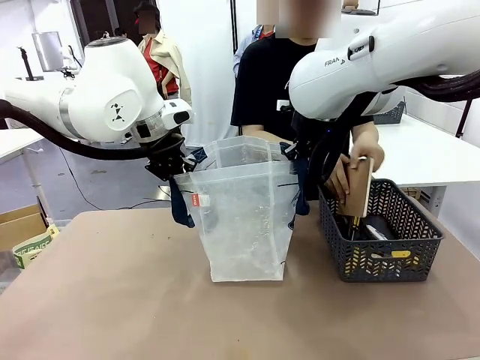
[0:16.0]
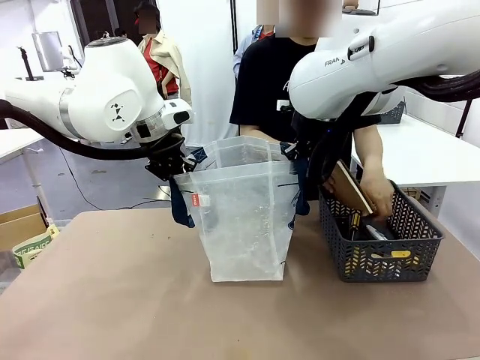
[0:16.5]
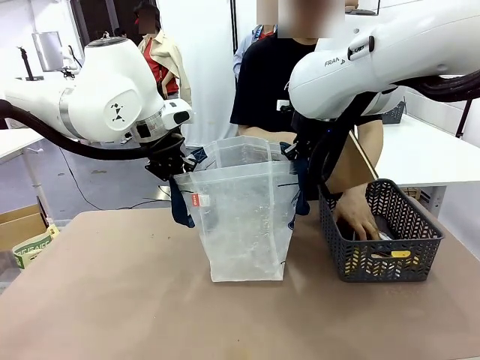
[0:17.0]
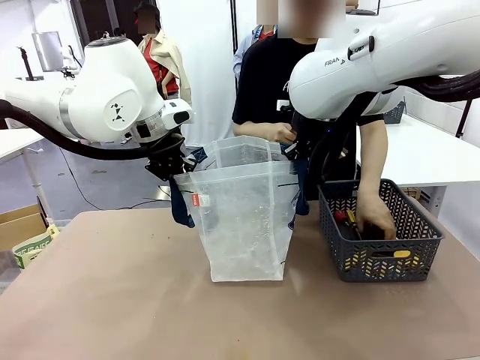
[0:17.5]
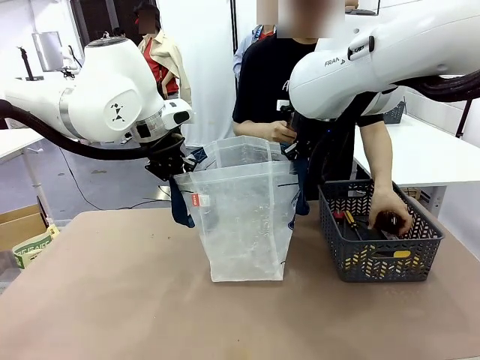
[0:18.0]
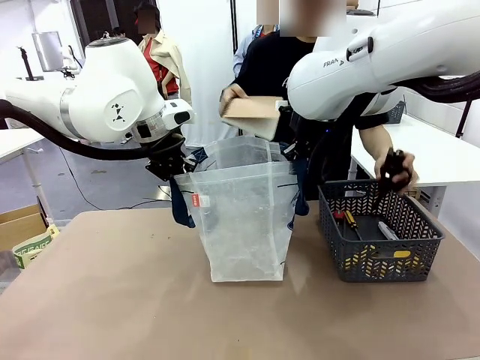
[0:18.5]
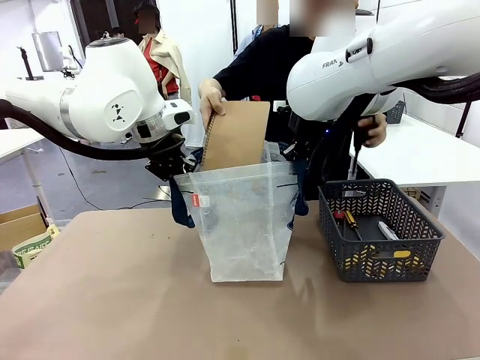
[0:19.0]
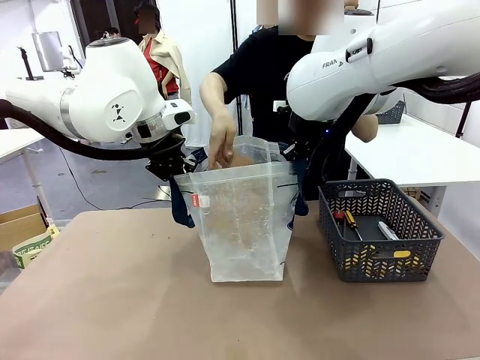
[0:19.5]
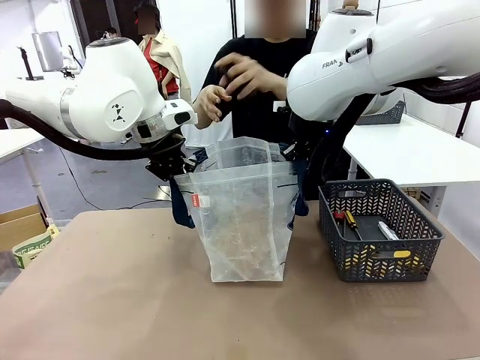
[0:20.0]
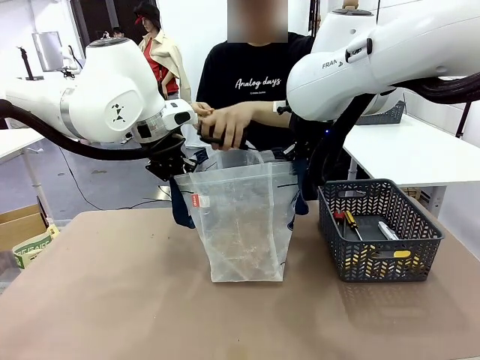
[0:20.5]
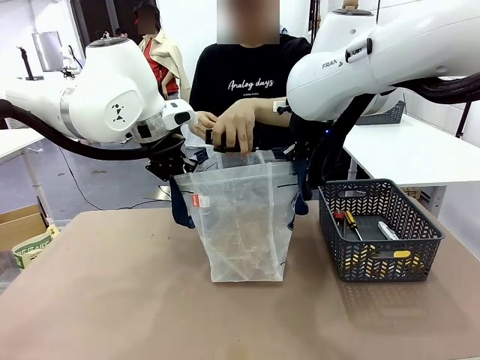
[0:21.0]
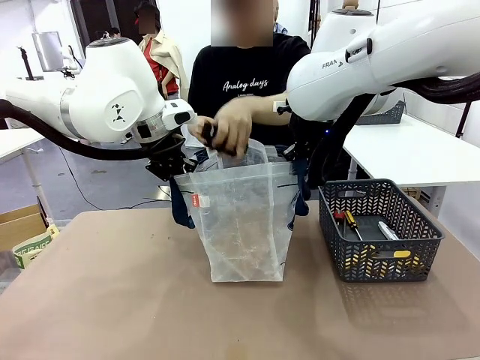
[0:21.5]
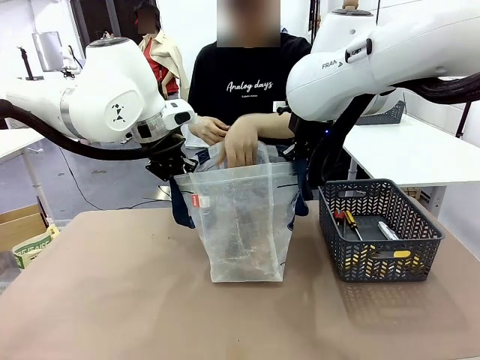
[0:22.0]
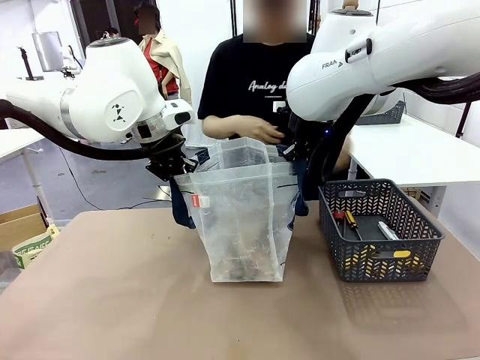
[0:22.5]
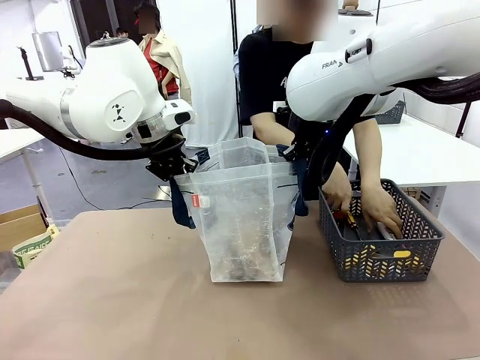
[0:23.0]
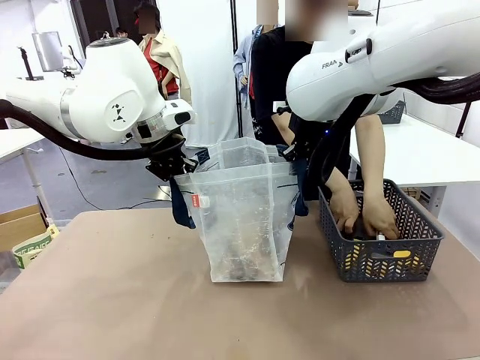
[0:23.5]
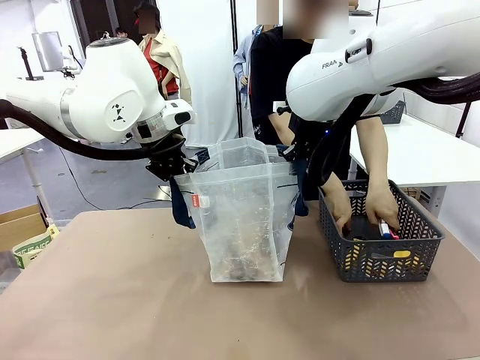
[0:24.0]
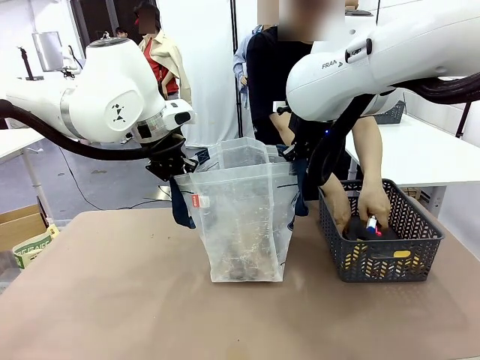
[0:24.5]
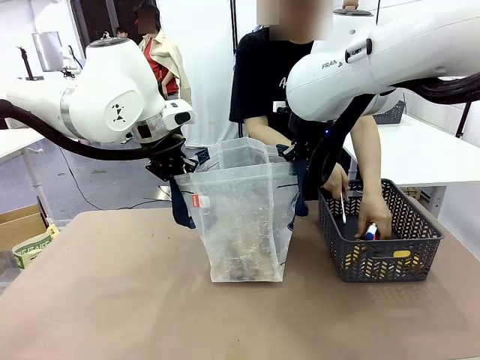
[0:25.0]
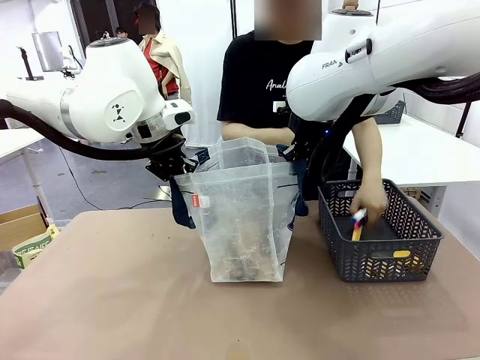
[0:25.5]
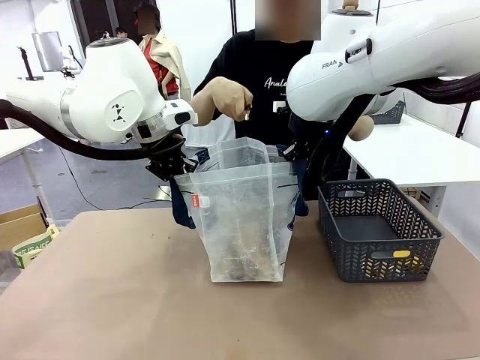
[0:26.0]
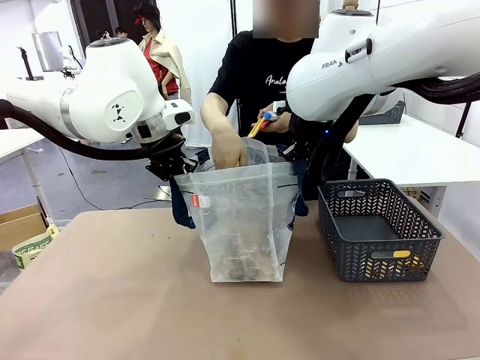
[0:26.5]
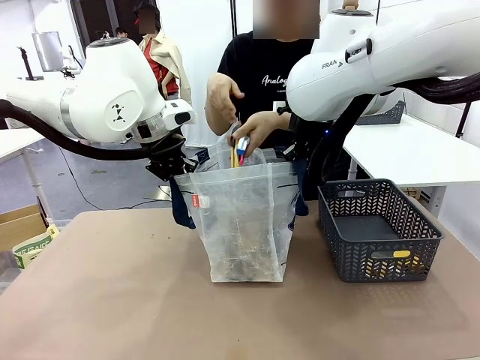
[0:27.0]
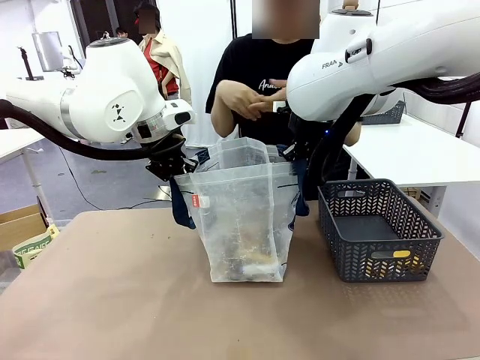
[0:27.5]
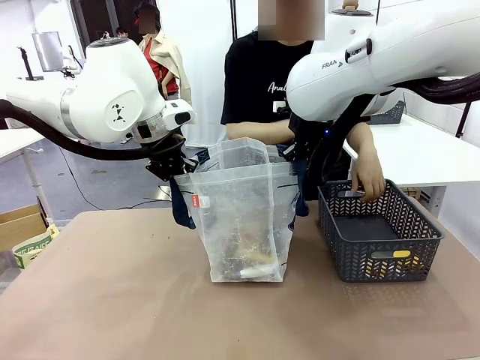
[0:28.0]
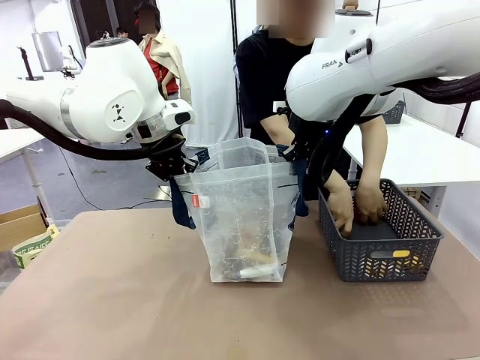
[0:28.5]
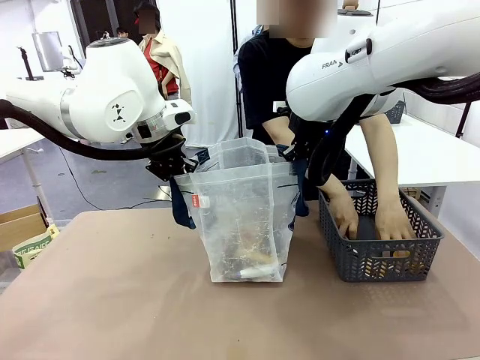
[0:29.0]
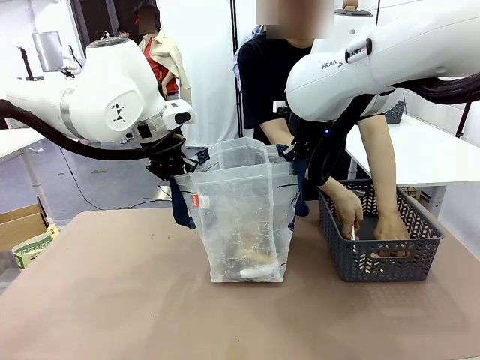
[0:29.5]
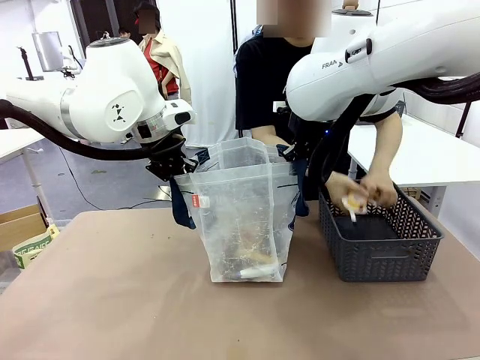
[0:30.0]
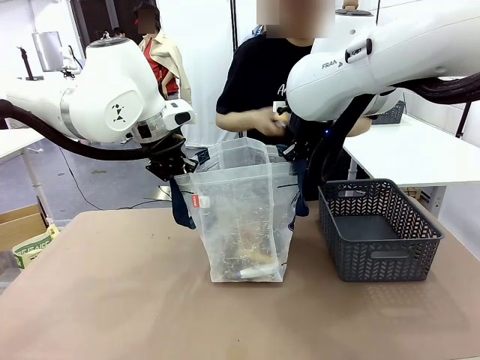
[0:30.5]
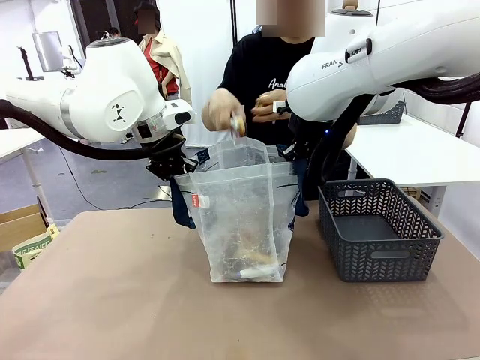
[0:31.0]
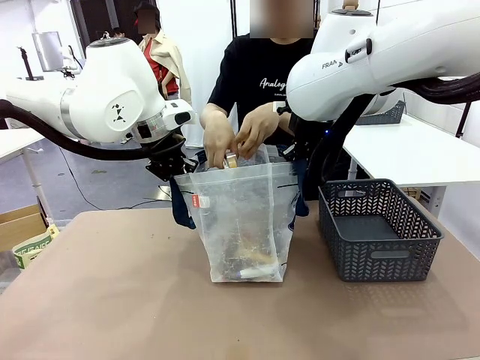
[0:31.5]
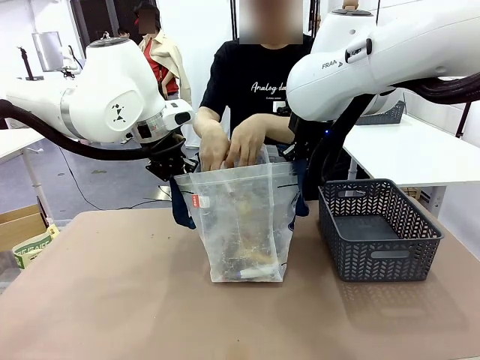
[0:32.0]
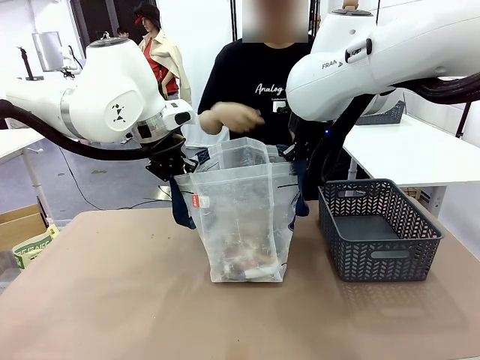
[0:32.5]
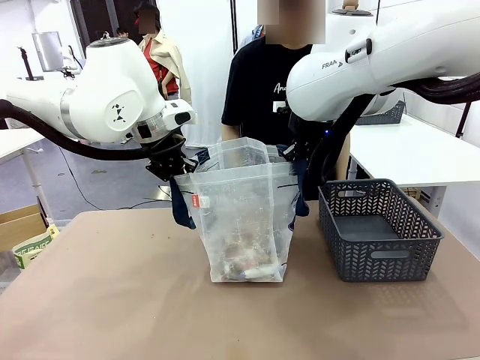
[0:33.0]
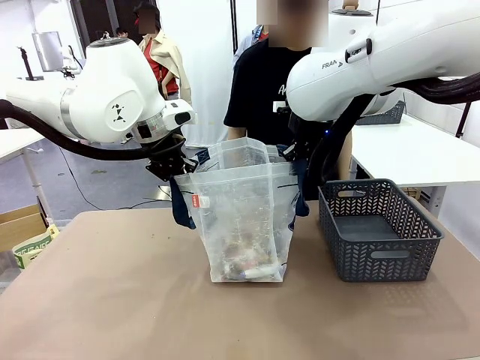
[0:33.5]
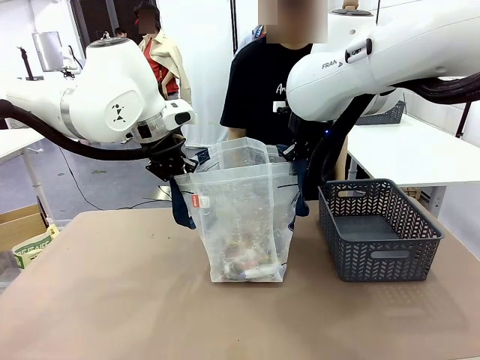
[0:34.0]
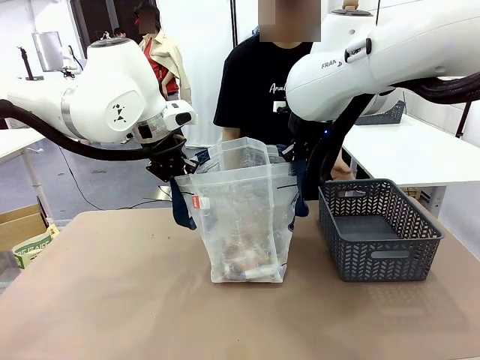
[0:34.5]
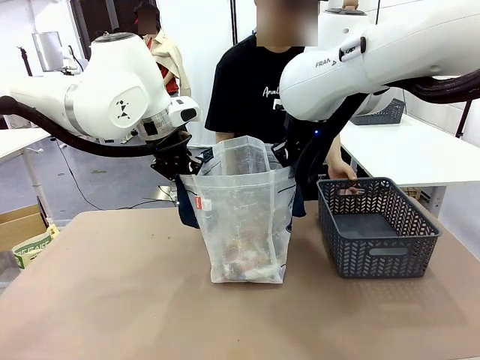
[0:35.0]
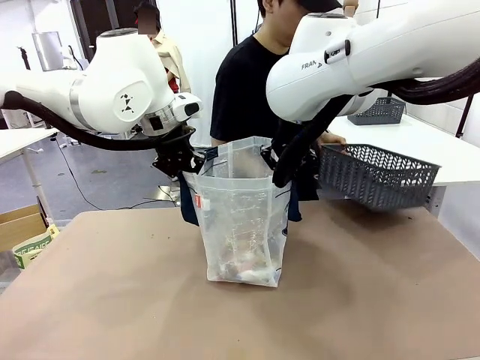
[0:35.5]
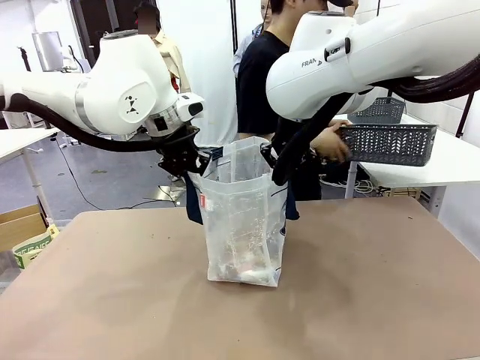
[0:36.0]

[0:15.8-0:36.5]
Task: Transfer purchased items from the store into the shopping bag.
Robot: Move the Reusable shopping bag to the right side of the table.
Person: Pick up the basket on the right, place it on the left side of the robot table, and move the items in the basket to the shopping bag. Pick up the basket with the items out and place it on the right side of the human table.

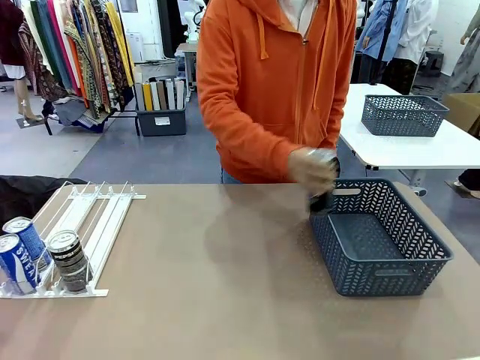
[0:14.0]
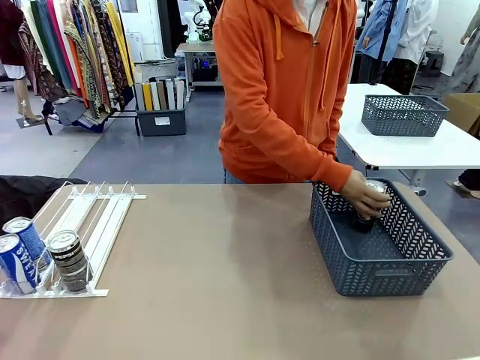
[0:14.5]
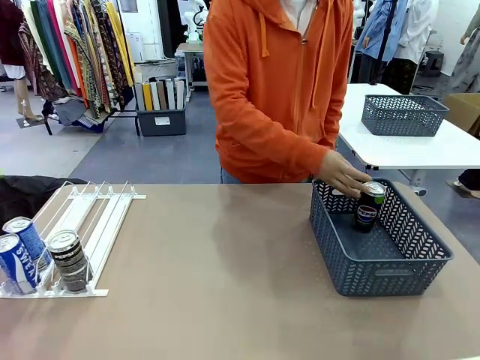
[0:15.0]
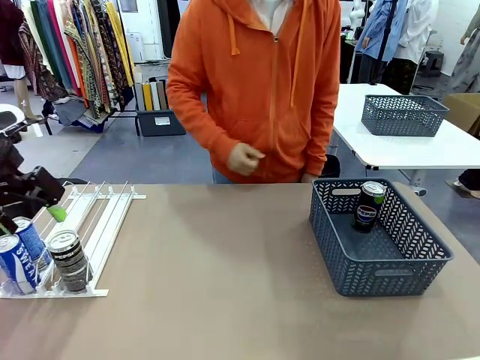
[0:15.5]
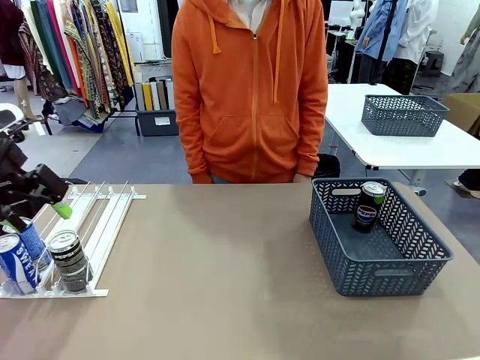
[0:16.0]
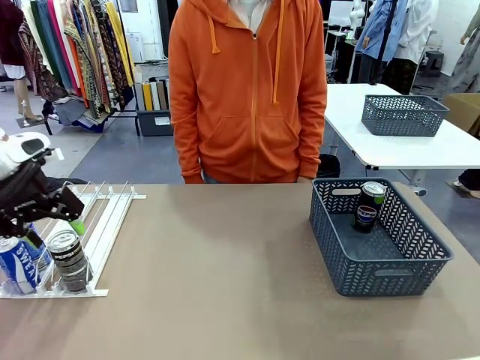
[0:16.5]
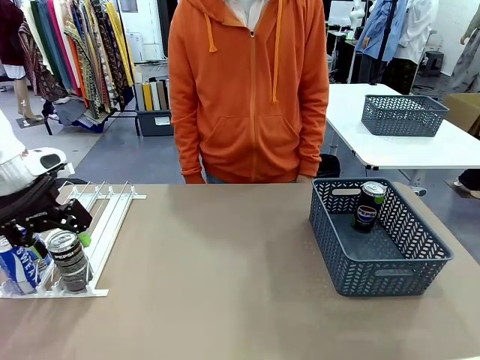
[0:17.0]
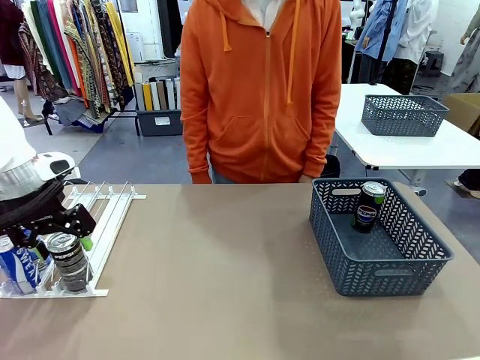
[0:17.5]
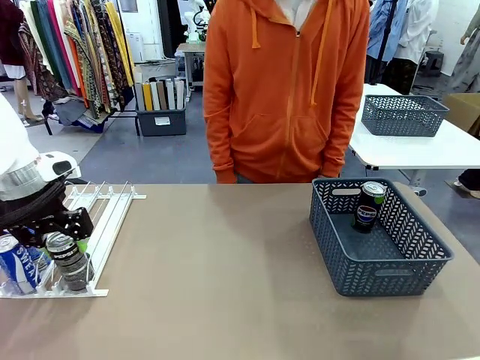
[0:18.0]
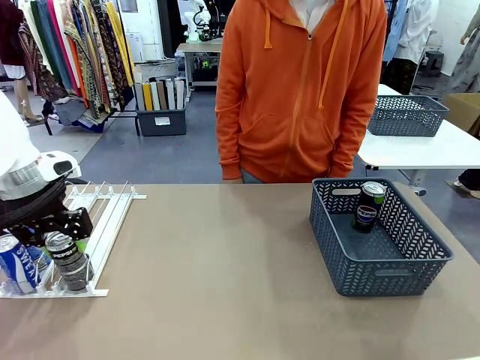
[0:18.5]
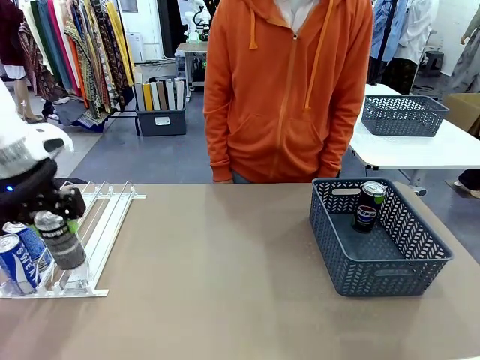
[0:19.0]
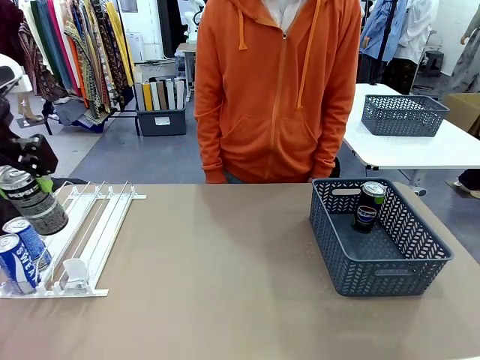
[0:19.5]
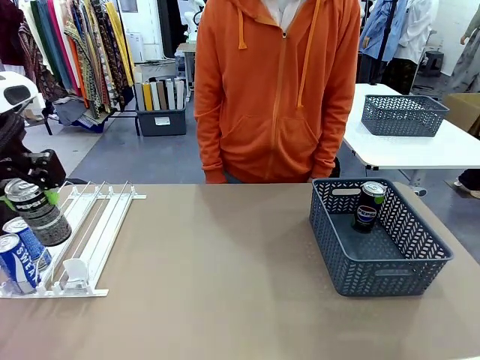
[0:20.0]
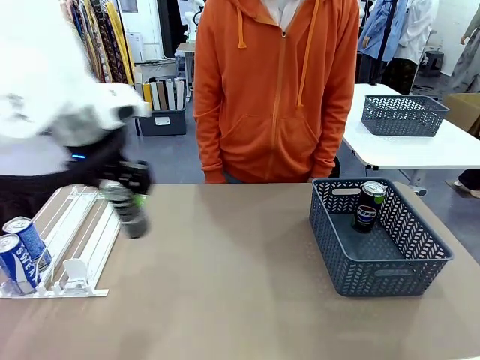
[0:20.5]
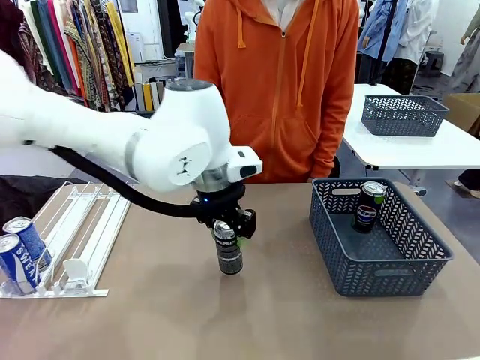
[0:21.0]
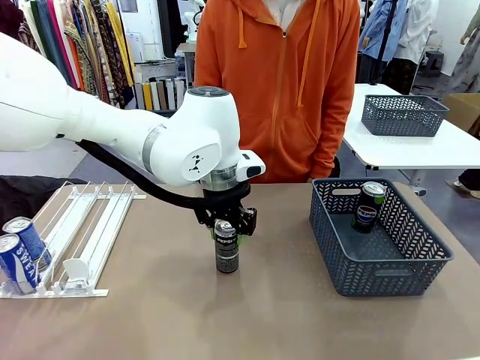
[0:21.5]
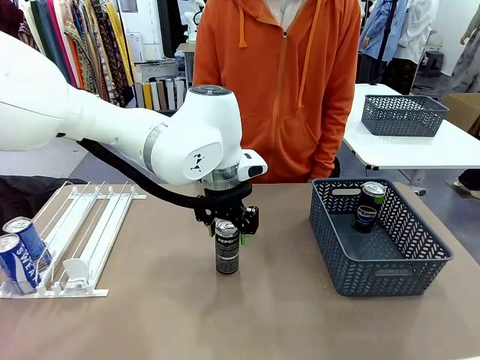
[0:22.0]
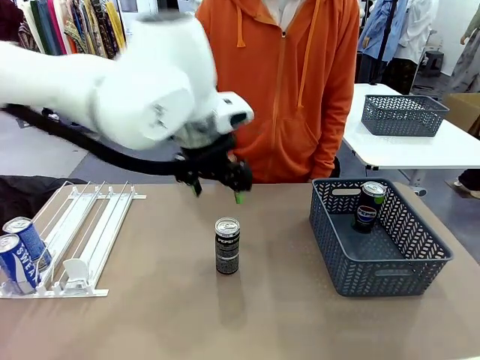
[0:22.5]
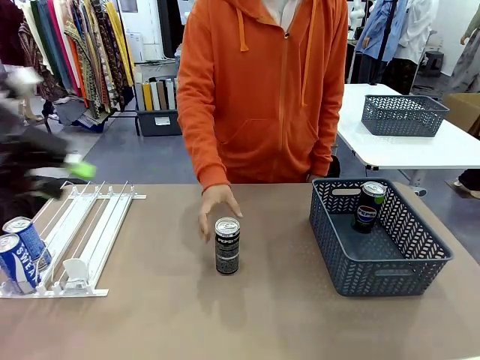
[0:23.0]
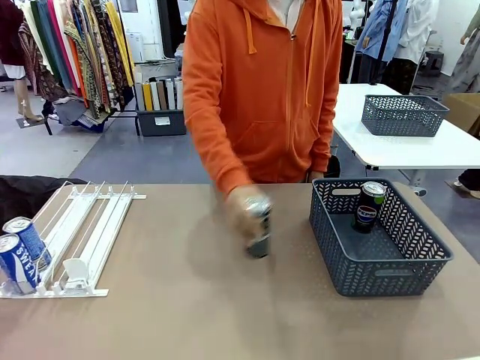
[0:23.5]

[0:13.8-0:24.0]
Task: Retrieve and store the cans from the dispenser.
Robot: Pick up the last remaining can from one row of the Automatic Can Dispenser and place it in the middle of the table.
Person: Pick up one Pepsi can from the middle of the robot table and place it in the basket.
